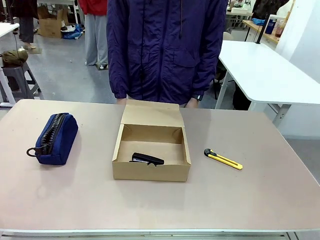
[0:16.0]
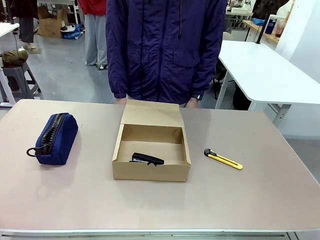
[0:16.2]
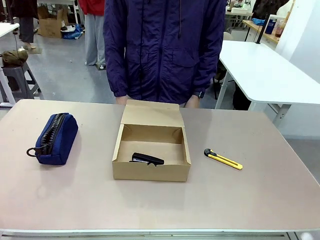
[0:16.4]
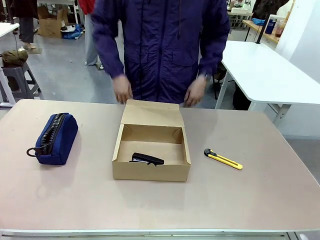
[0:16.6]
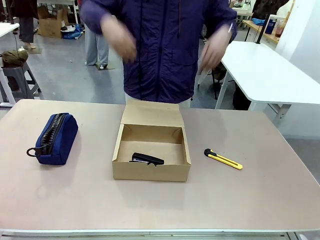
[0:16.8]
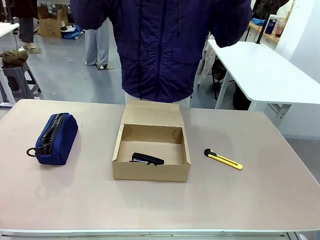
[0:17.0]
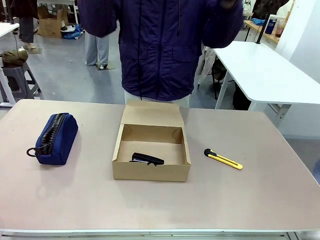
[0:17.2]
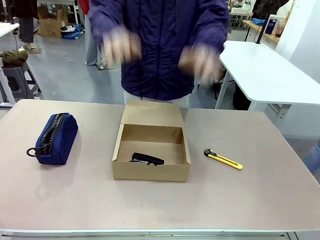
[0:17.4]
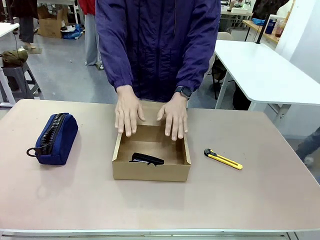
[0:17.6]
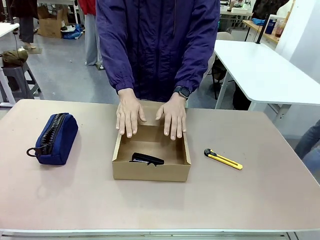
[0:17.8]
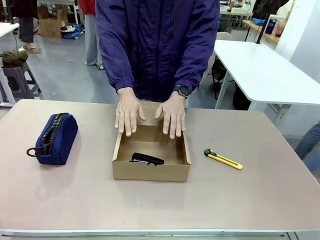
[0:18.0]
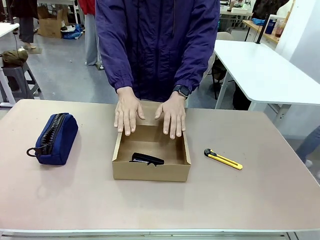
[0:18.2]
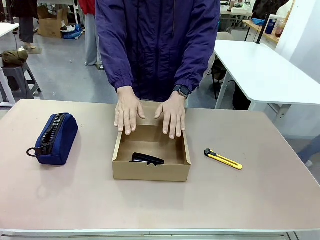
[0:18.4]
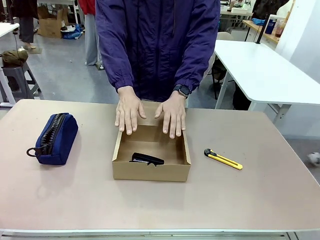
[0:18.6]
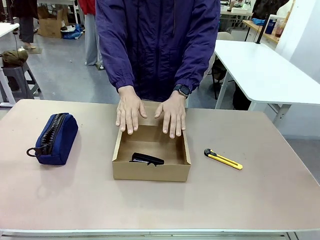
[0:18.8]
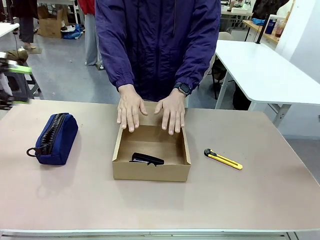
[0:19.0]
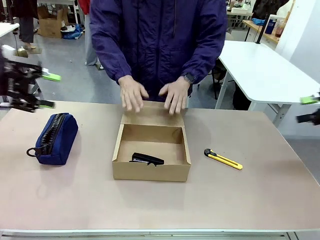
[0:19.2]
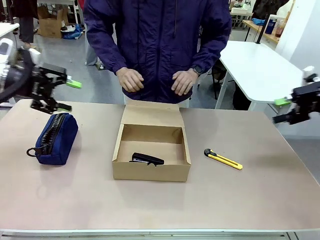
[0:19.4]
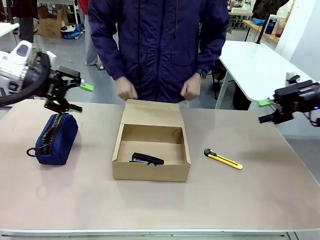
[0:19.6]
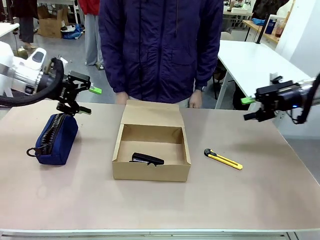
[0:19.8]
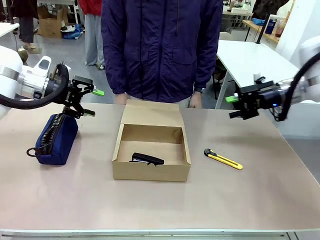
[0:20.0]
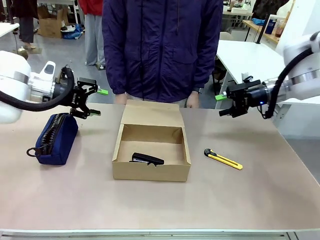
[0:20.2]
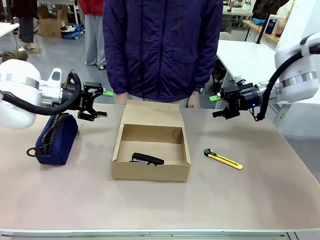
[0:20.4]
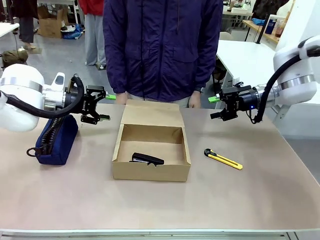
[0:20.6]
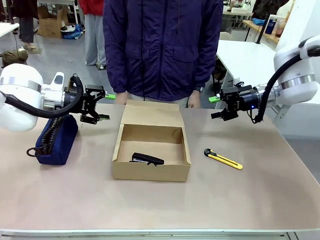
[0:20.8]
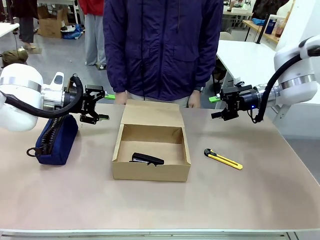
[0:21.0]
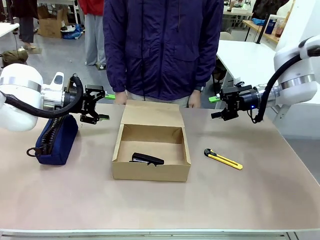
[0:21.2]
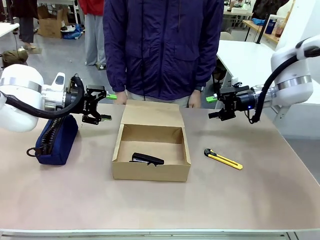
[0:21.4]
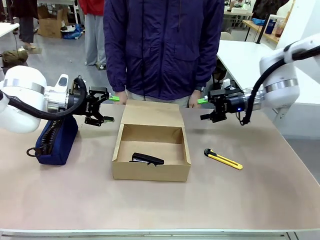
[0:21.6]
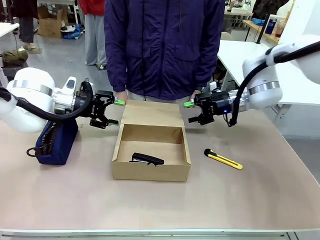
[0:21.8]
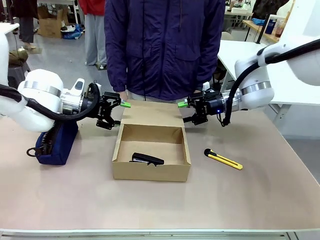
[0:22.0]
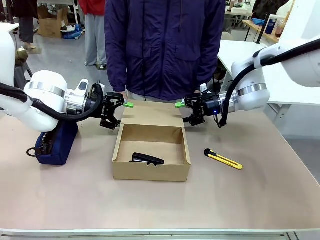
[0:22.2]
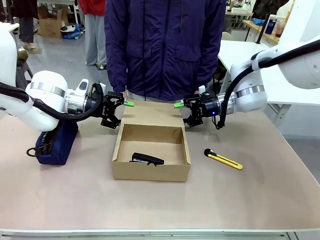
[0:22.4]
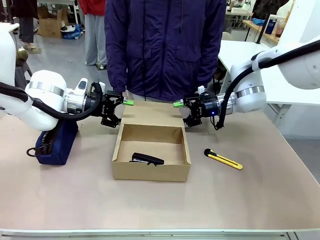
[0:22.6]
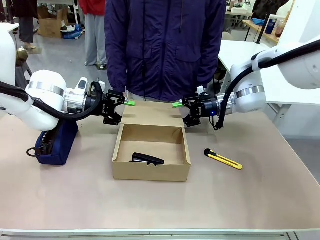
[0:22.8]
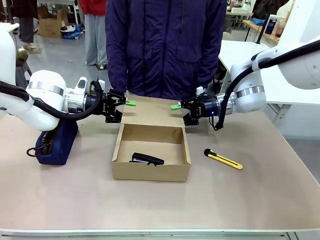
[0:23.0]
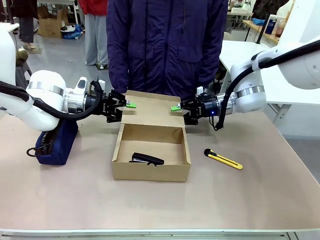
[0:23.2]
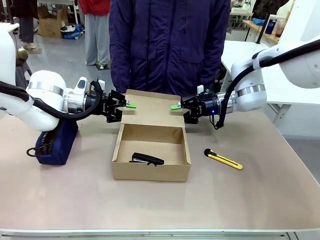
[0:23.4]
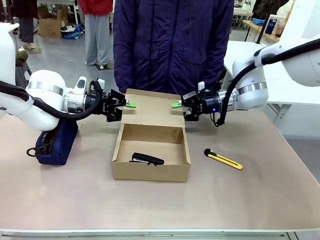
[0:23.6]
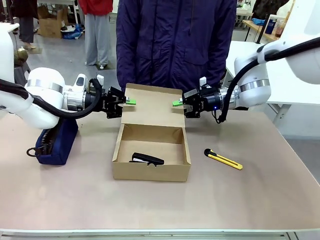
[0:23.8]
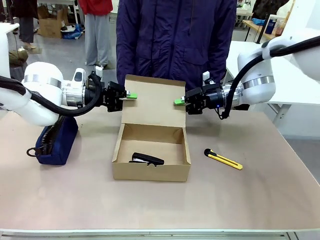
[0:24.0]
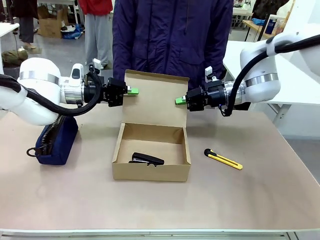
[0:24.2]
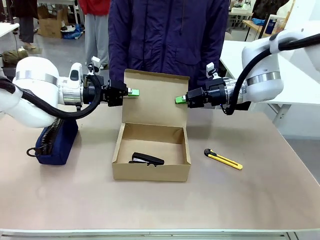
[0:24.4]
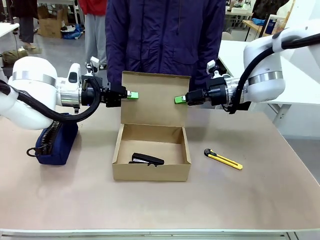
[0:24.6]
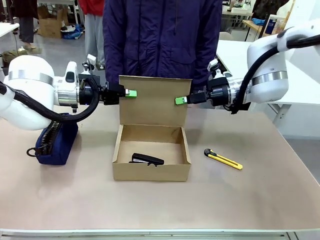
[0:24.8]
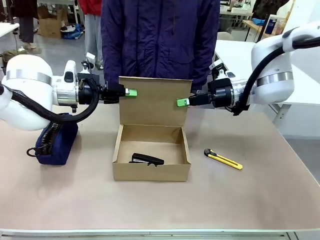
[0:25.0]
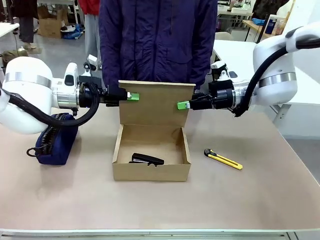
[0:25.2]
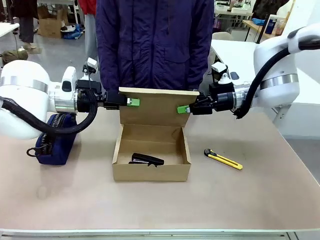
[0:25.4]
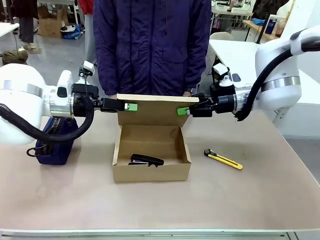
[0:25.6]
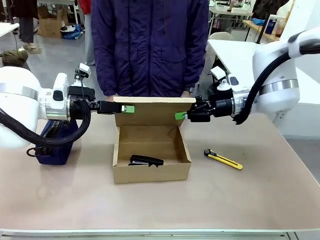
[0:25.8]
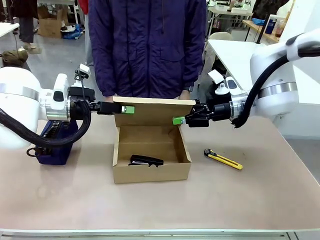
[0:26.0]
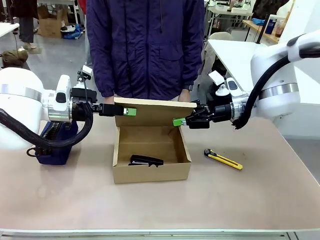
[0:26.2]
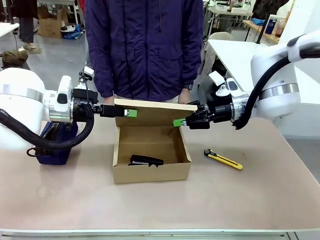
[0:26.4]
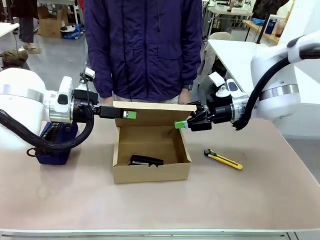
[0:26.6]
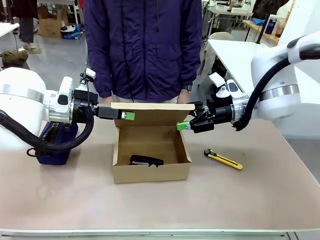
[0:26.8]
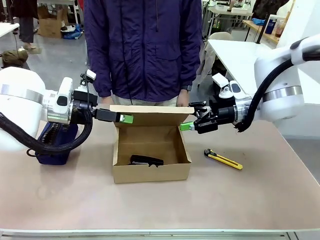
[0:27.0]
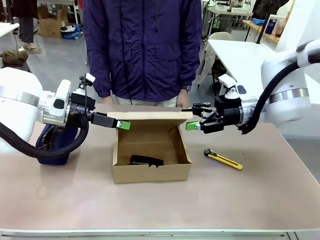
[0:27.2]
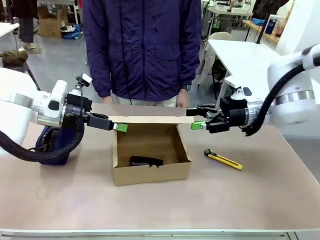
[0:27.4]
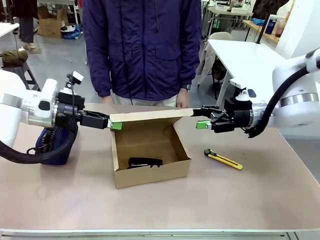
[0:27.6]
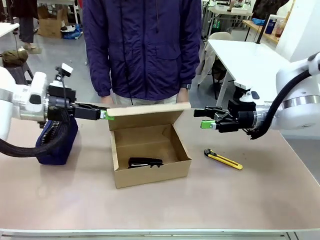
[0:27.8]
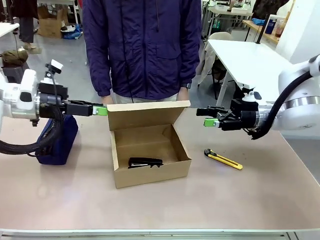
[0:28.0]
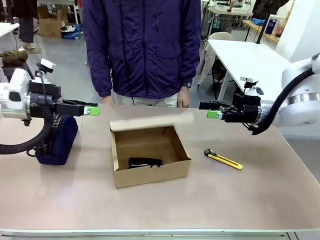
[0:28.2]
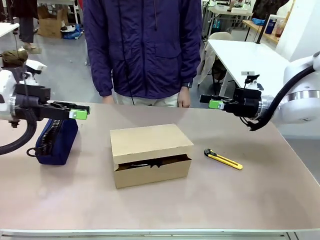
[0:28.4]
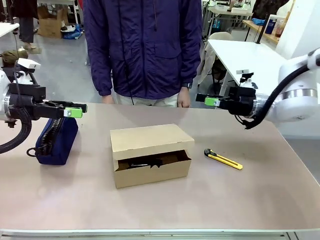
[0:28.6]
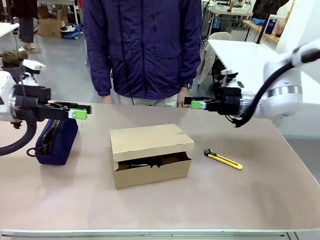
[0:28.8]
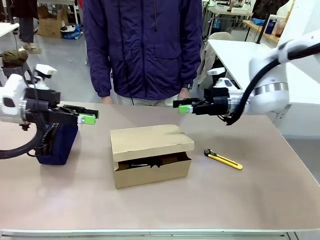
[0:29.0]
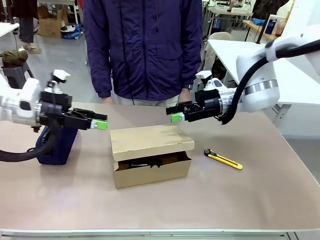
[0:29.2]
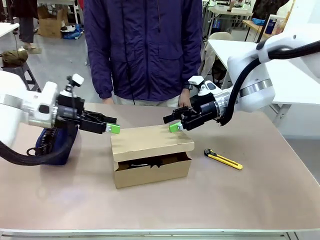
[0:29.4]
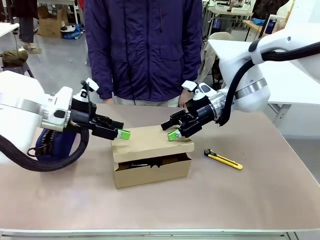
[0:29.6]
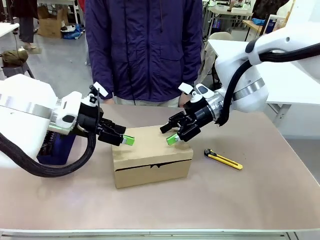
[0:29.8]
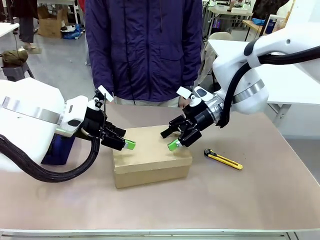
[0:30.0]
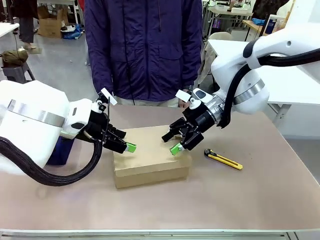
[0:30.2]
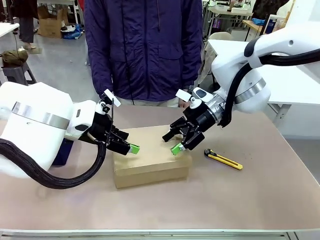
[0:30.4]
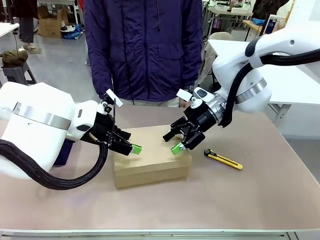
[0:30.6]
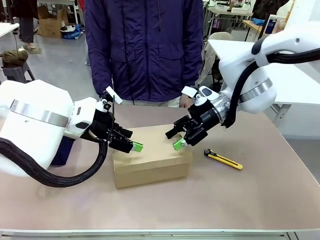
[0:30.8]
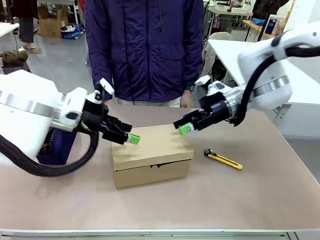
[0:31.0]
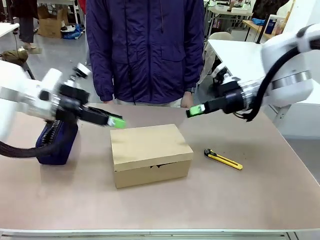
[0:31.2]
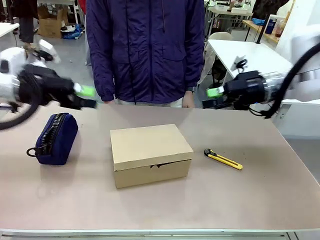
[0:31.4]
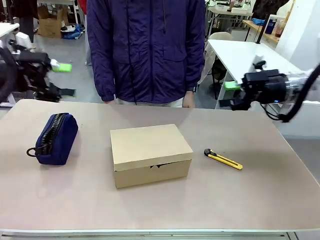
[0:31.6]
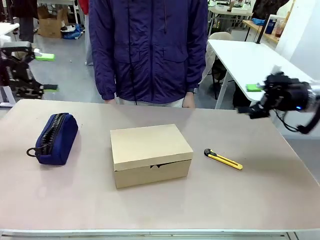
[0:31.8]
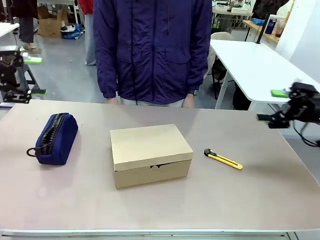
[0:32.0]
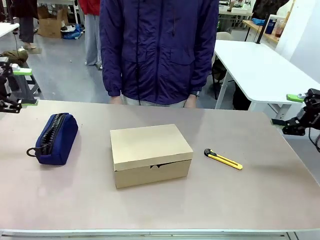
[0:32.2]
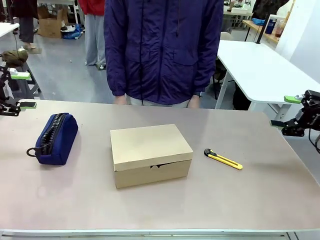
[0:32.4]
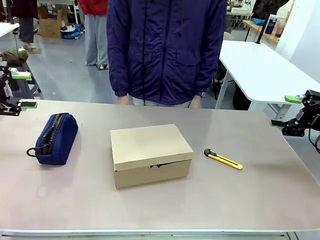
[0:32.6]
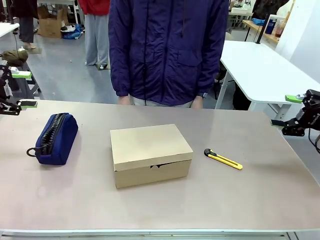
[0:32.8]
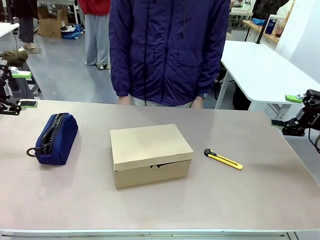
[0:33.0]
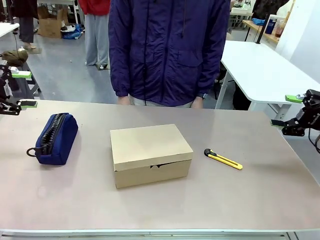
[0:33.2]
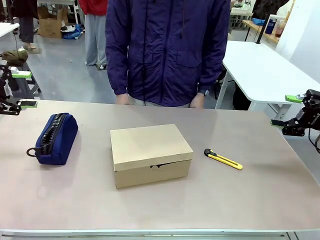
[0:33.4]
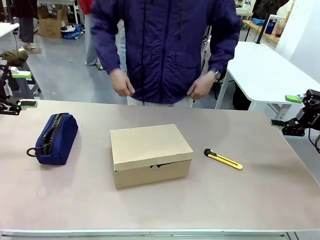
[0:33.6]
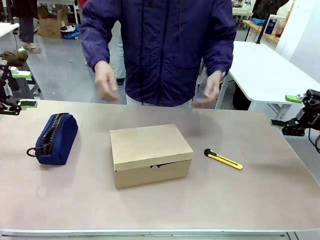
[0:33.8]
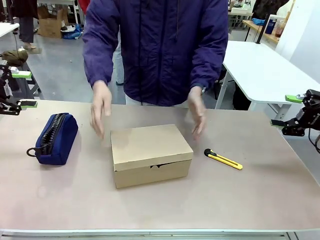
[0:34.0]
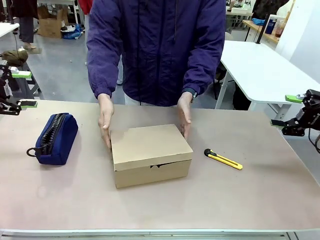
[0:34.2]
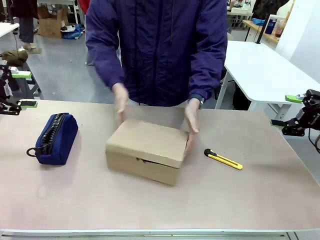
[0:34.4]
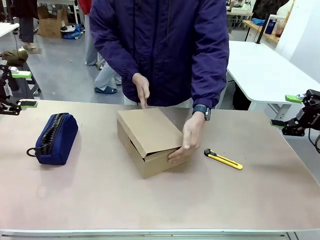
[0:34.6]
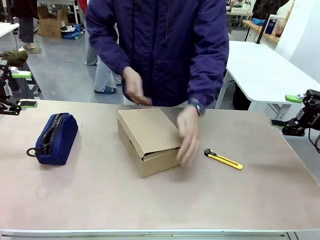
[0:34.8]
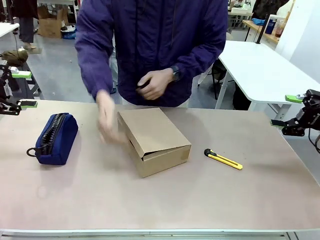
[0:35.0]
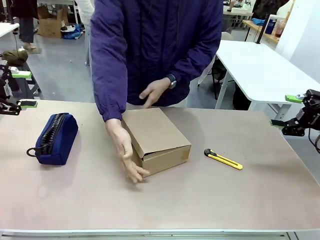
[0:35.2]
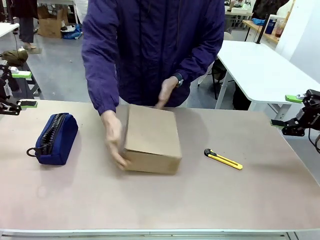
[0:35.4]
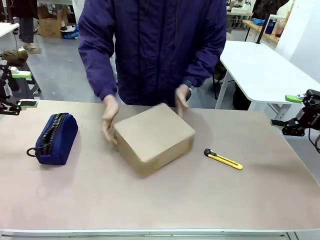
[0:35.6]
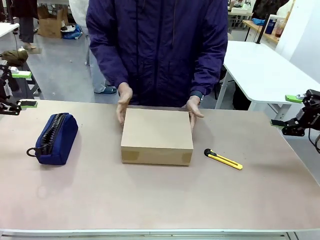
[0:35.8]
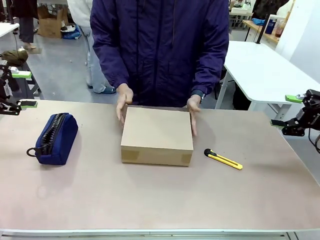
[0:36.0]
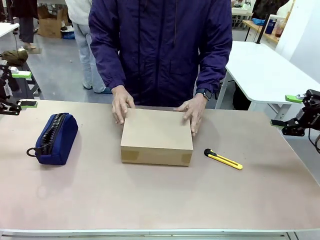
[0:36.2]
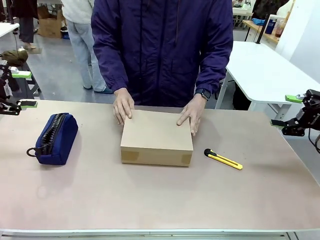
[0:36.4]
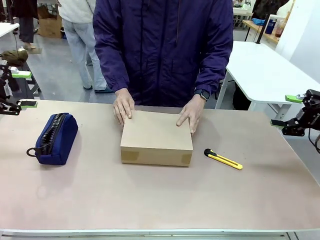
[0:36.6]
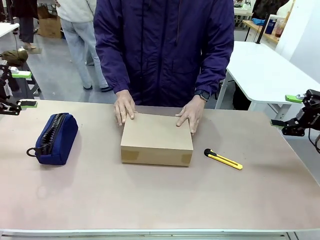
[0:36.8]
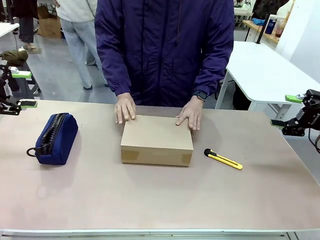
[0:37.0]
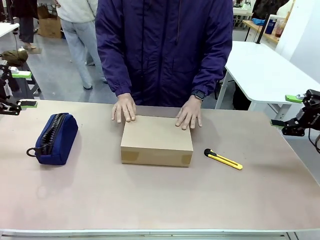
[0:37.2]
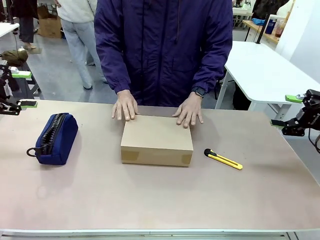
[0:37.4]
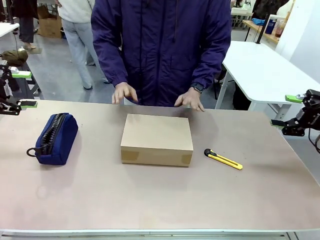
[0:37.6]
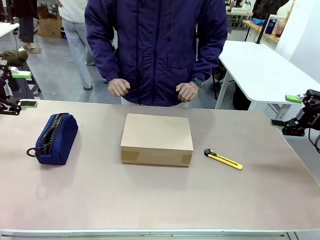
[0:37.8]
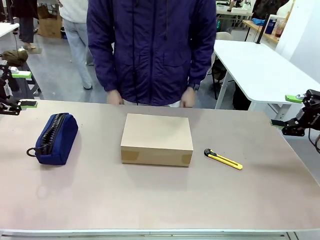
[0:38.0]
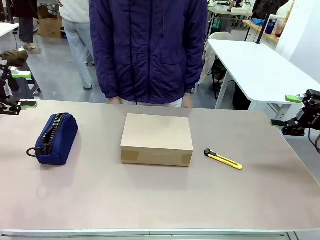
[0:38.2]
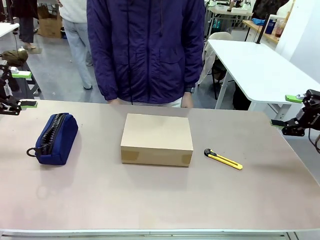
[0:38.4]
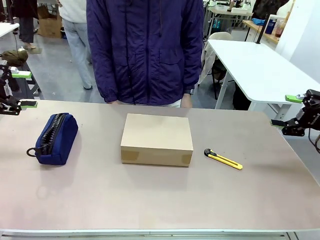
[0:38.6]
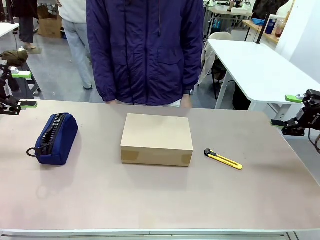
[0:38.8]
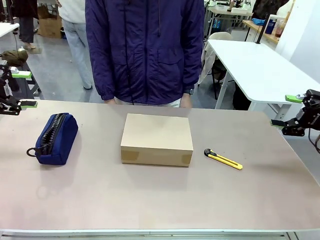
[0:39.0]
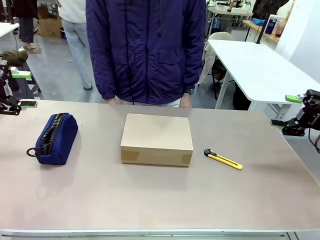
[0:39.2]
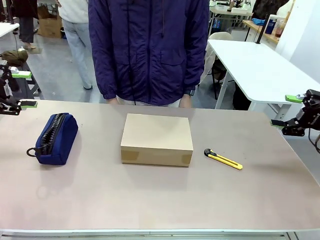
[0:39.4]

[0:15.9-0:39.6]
Task: Pack the item into the box.
Robot: Close the Mailer Box.
Person: Lower both hands vertically with palms facing downward, as if pressing something closed. Turn the box and lock it.
